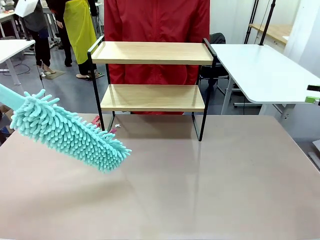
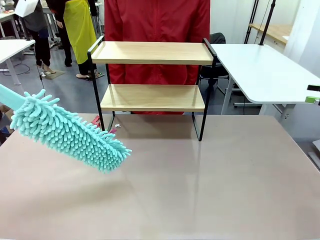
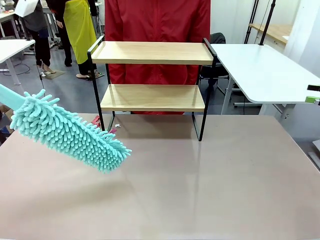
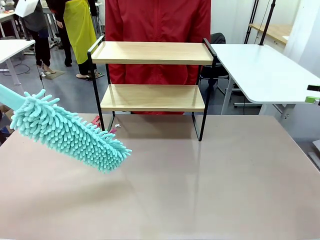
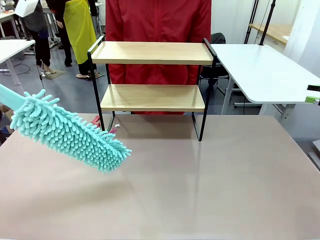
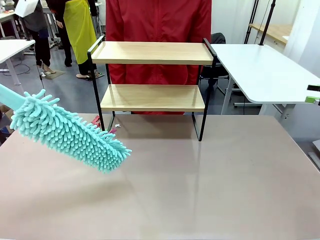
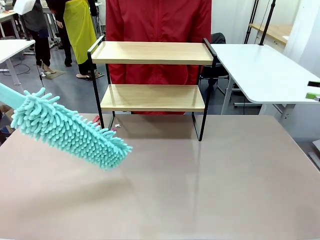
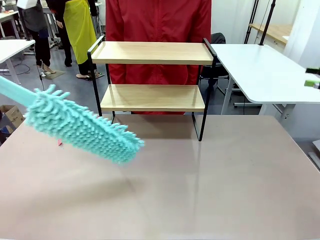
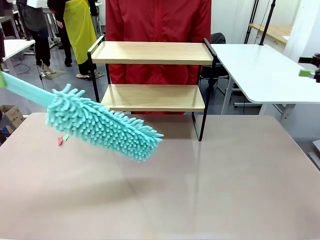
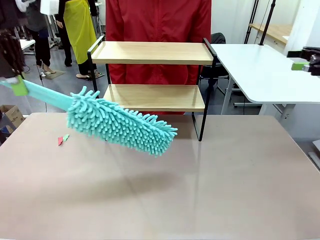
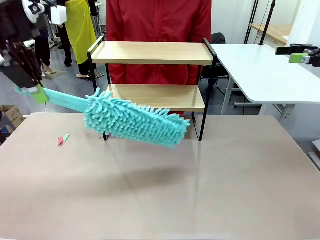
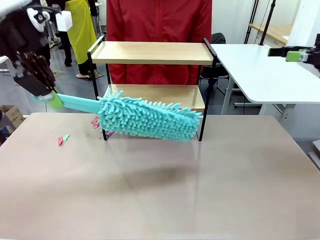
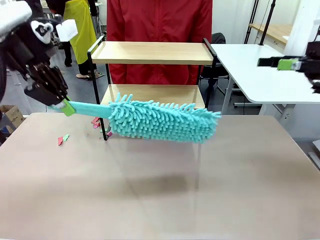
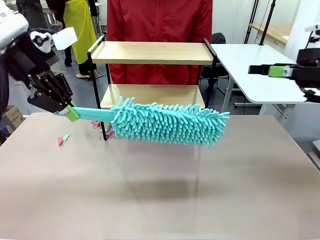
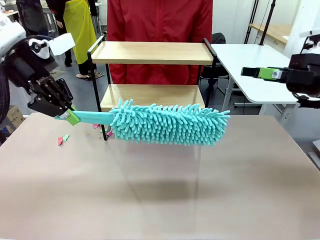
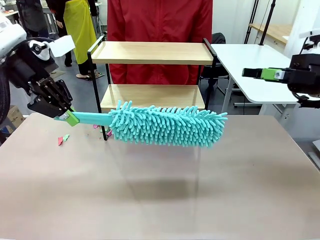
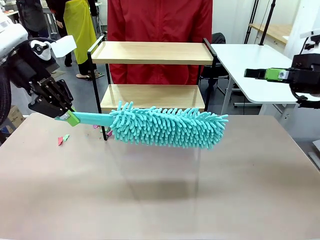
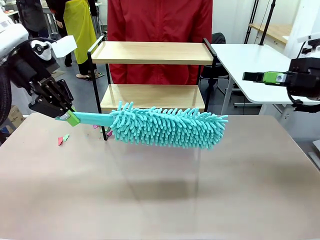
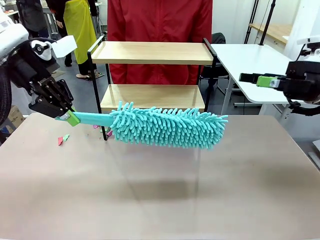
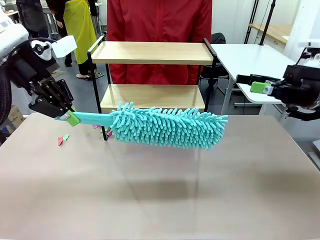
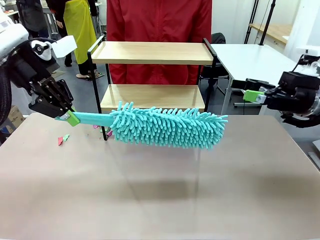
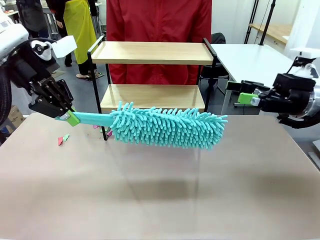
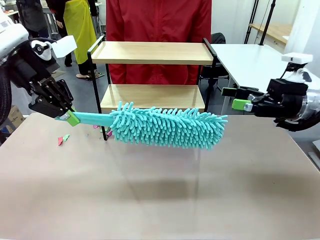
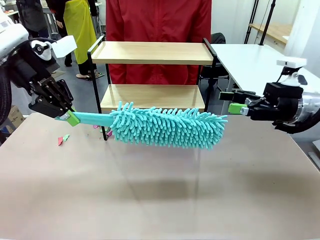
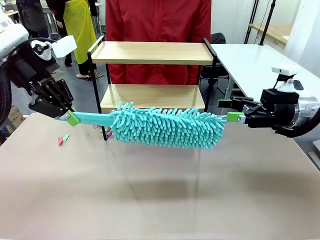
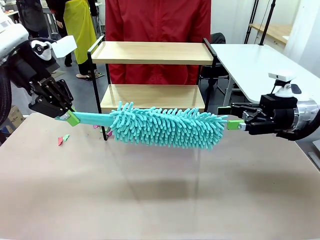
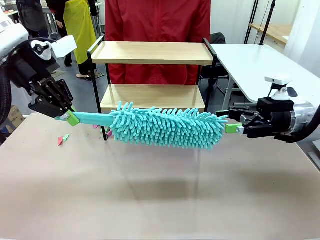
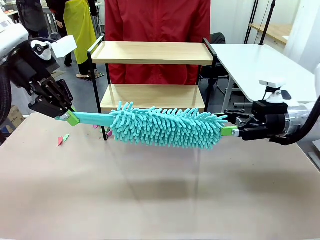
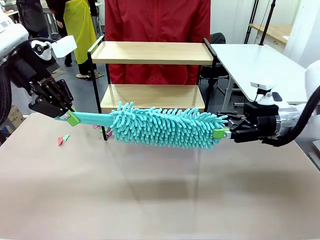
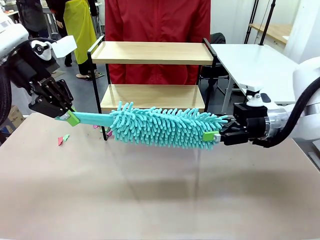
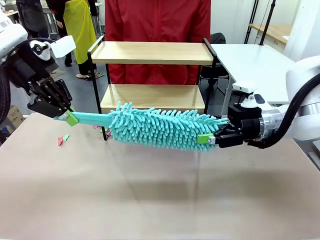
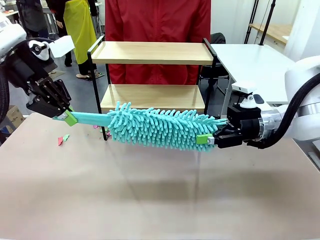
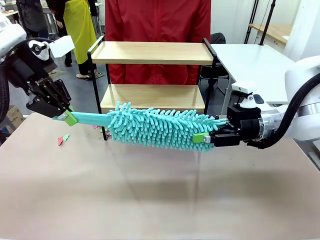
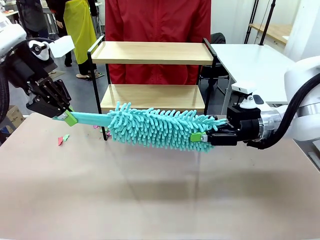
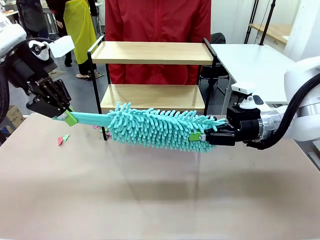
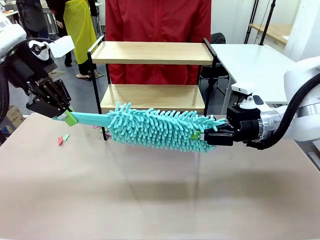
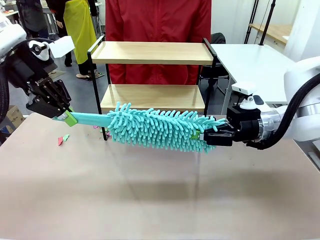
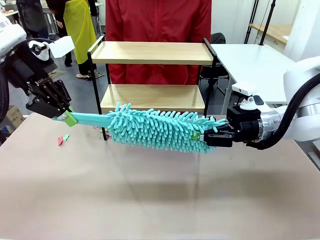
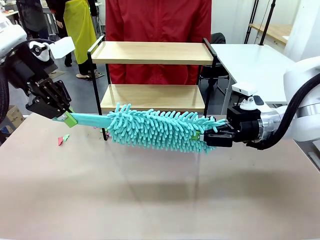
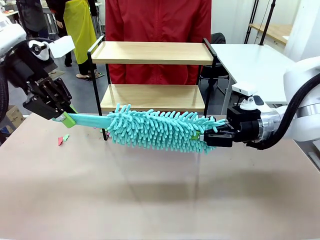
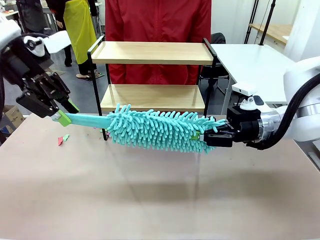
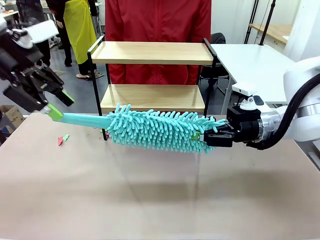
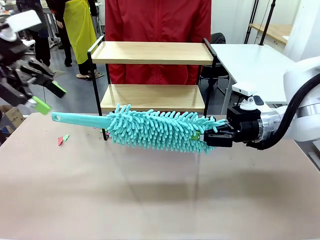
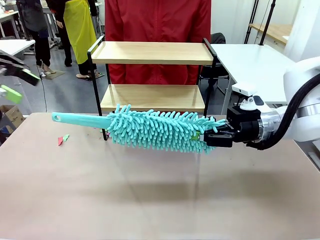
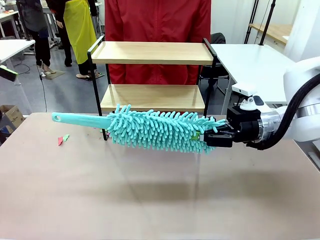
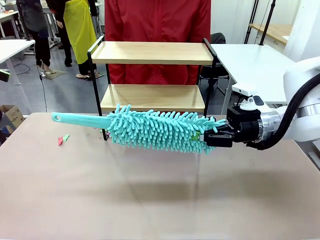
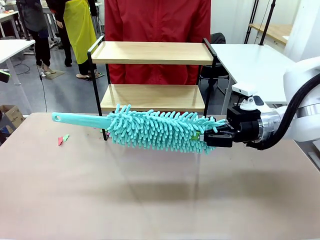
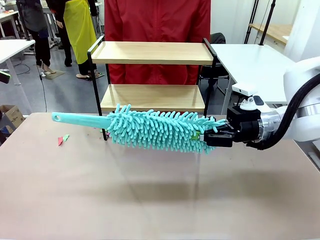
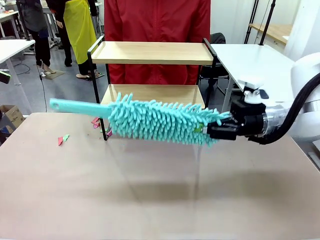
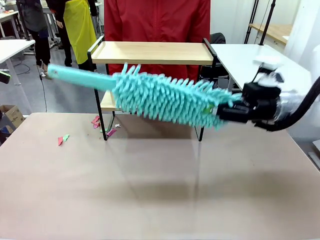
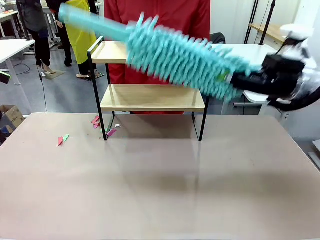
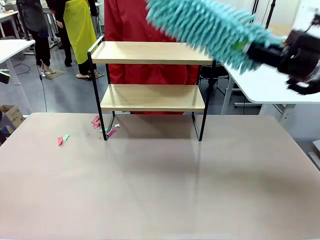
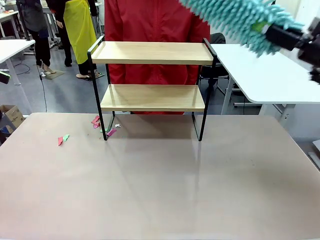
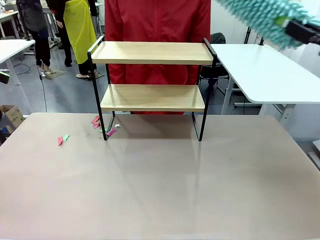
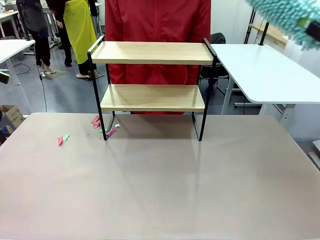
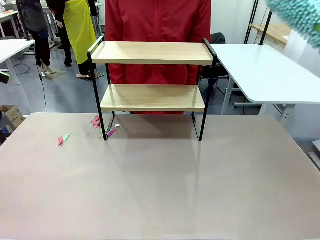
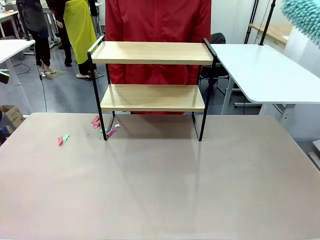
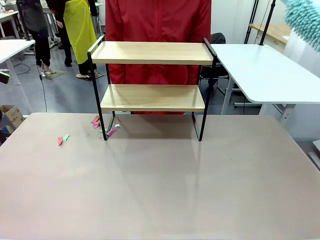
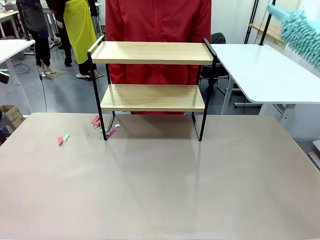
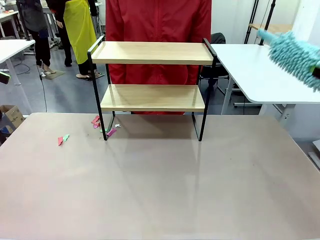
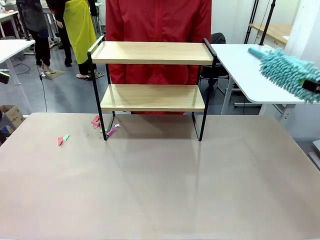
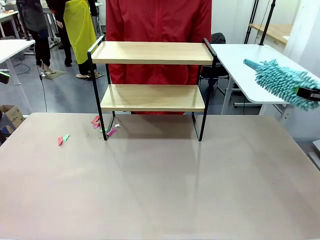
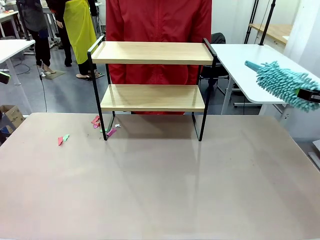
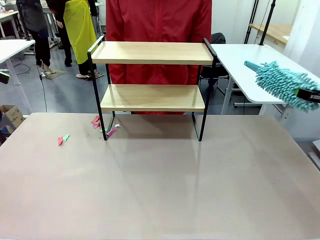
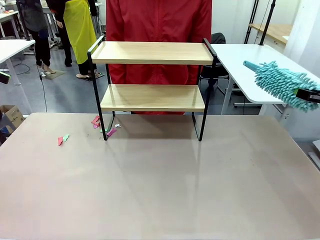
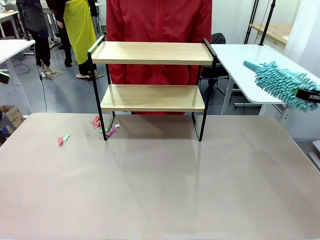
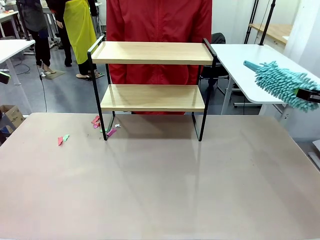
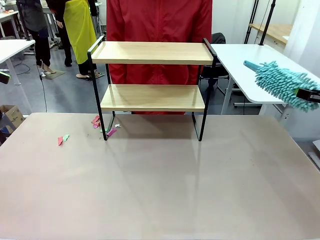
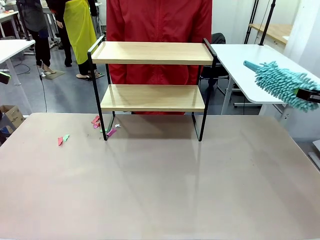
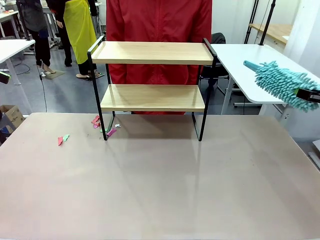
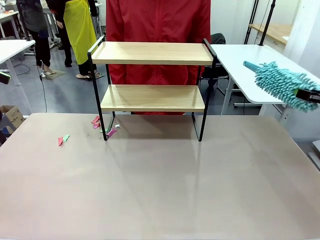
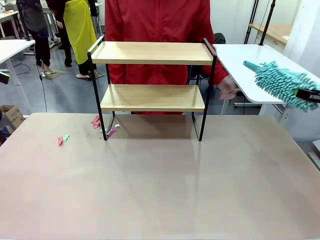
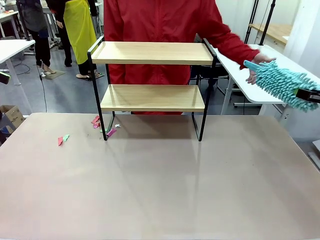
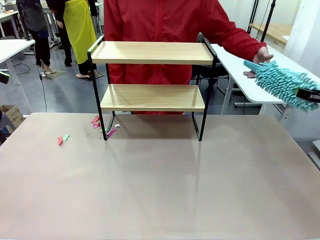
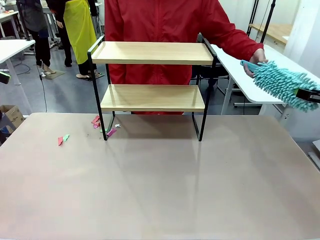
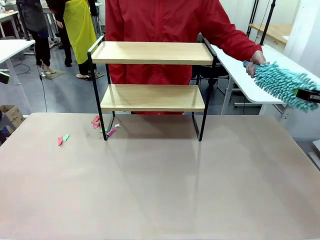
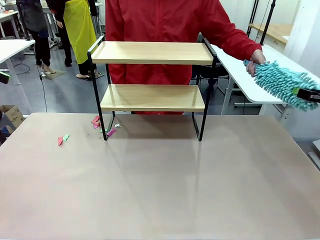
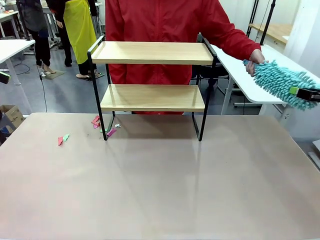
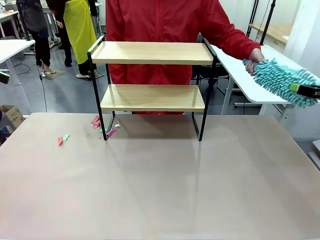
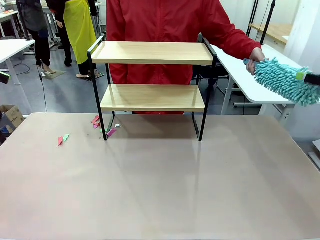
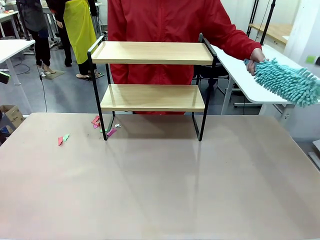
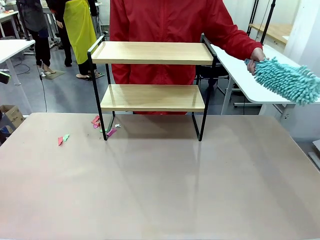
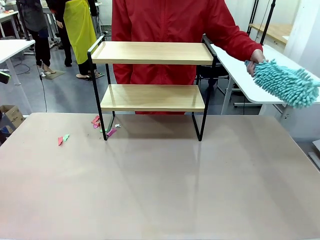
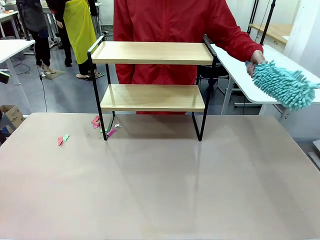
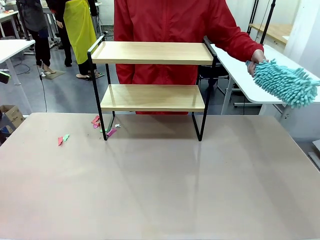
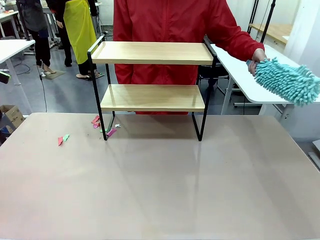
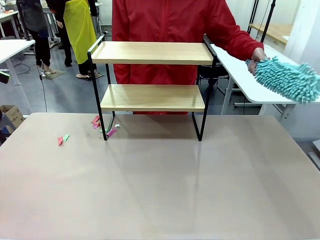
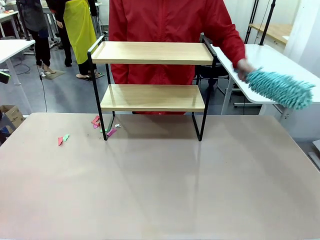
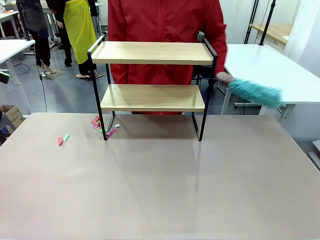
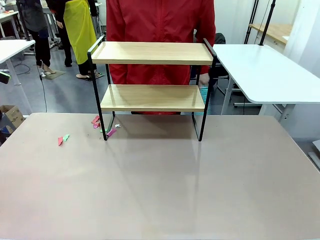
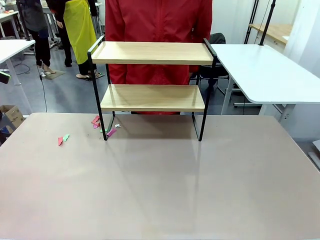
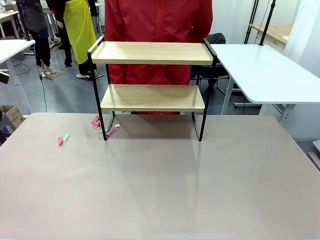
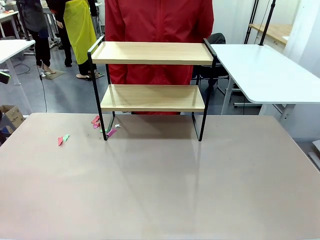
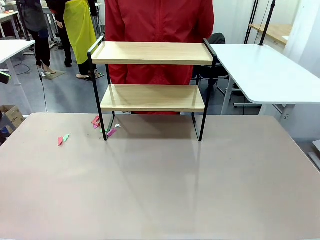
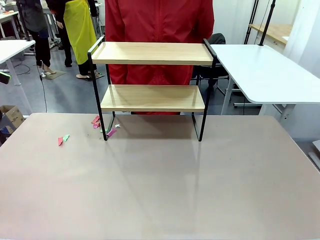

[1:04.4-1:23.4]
Task: Clean the shelf.
Robot: Hand the Duster back to the human.
Person: Receive the Duster from the robot.
